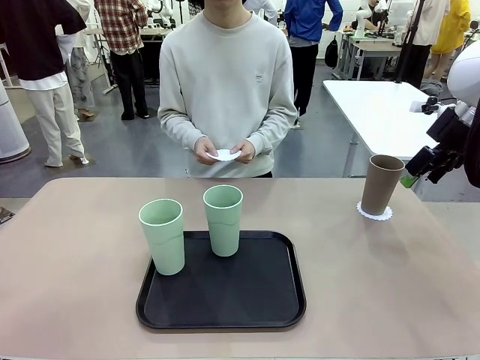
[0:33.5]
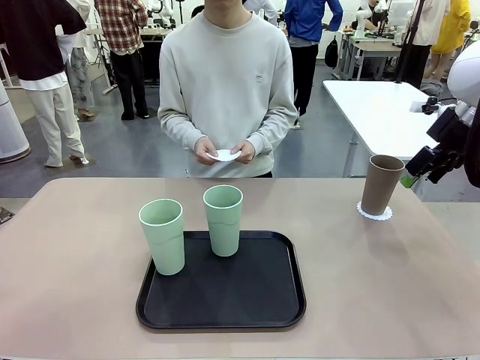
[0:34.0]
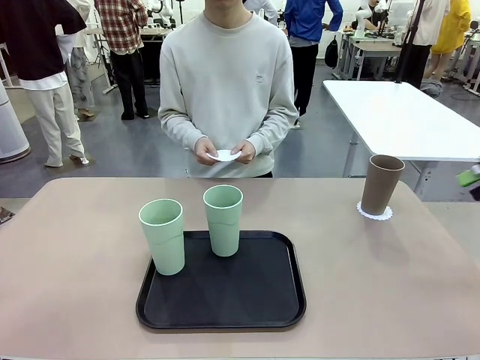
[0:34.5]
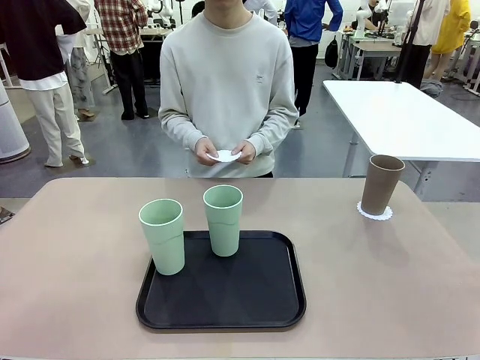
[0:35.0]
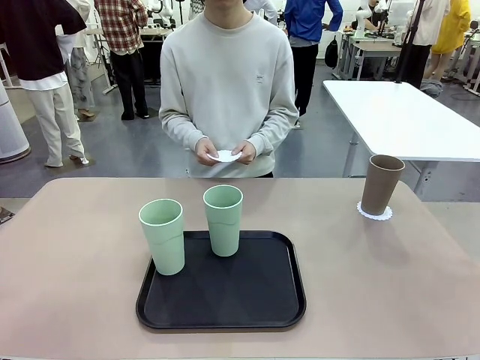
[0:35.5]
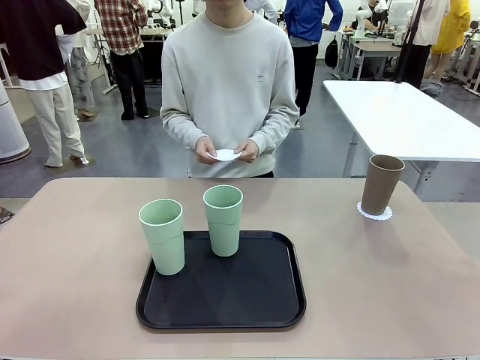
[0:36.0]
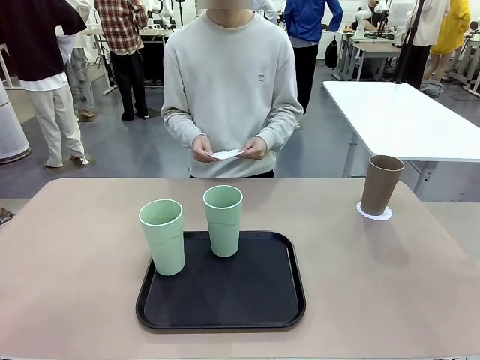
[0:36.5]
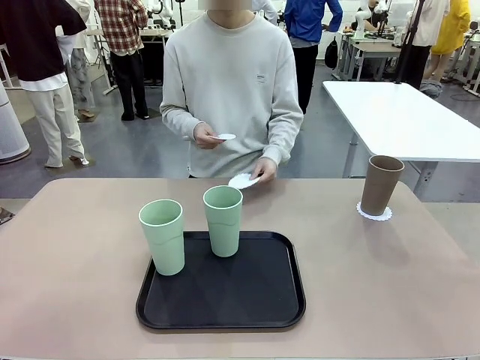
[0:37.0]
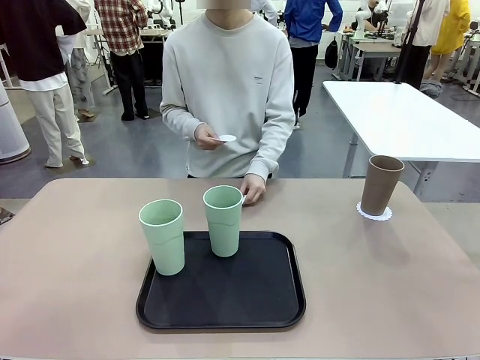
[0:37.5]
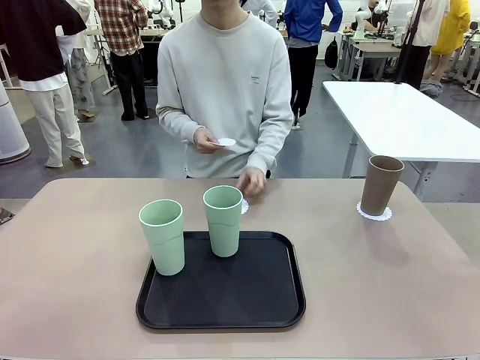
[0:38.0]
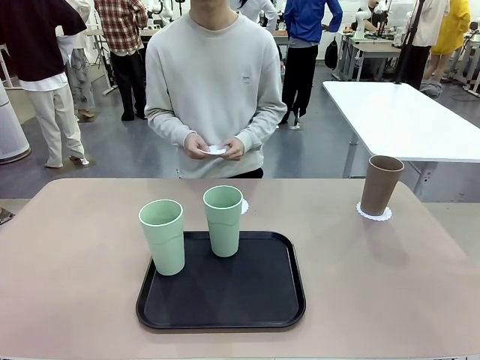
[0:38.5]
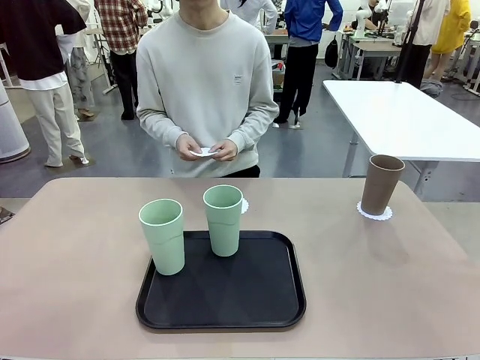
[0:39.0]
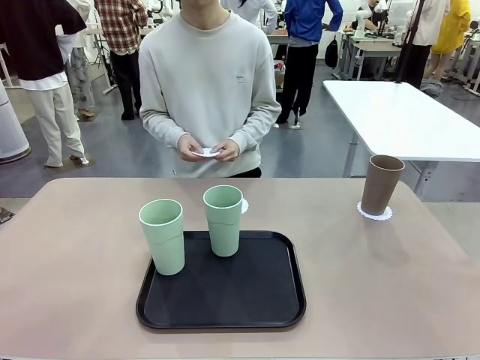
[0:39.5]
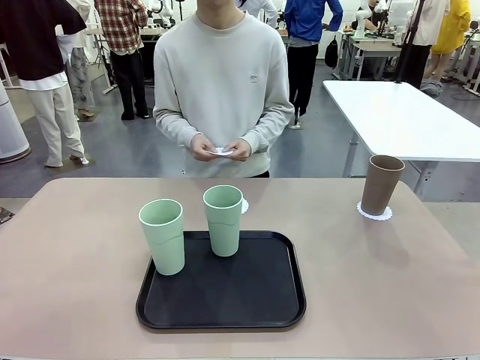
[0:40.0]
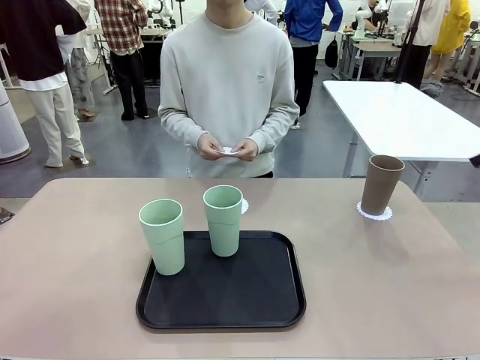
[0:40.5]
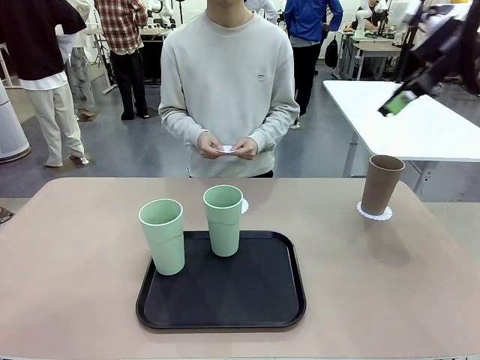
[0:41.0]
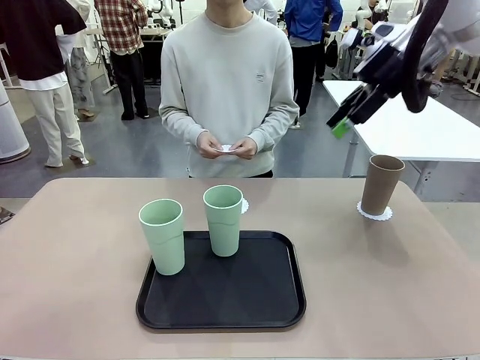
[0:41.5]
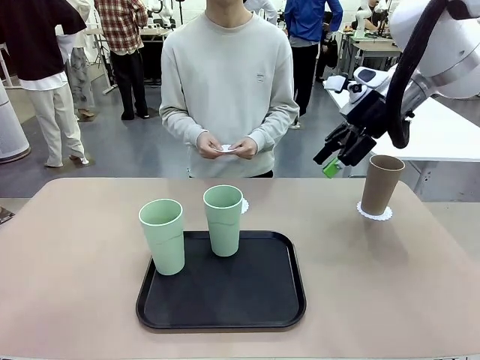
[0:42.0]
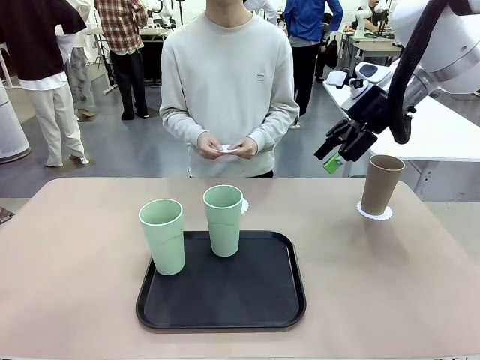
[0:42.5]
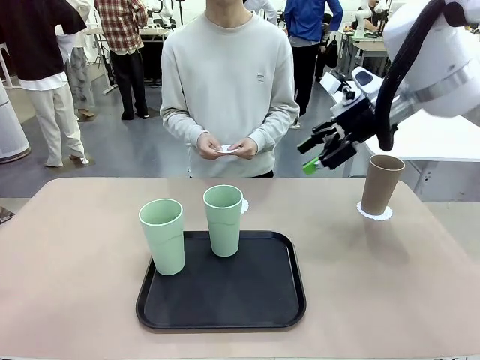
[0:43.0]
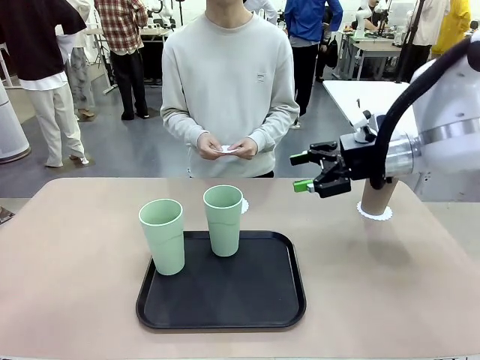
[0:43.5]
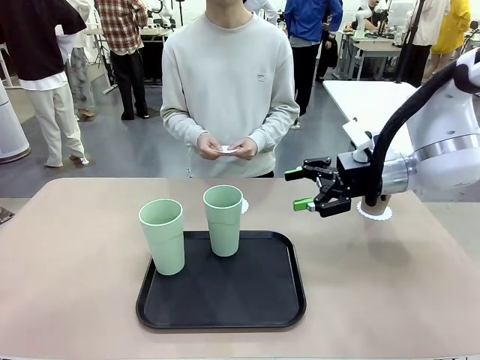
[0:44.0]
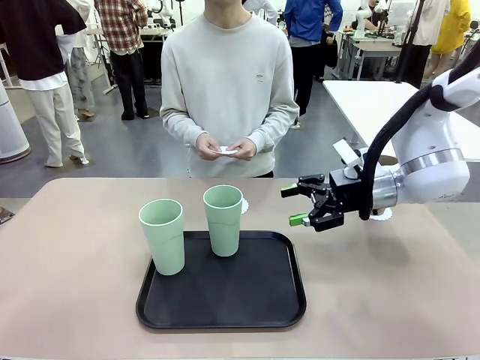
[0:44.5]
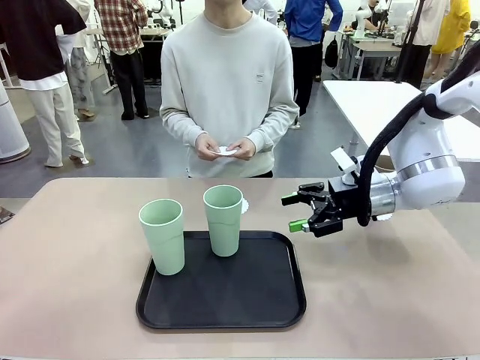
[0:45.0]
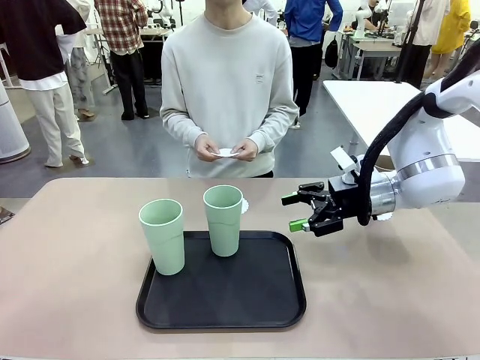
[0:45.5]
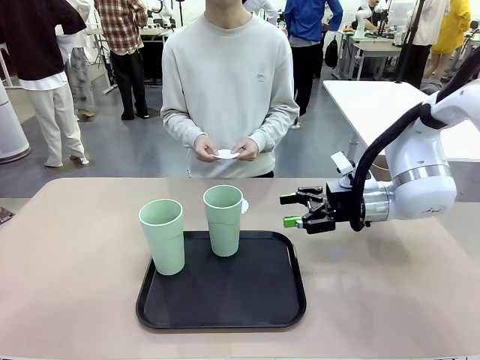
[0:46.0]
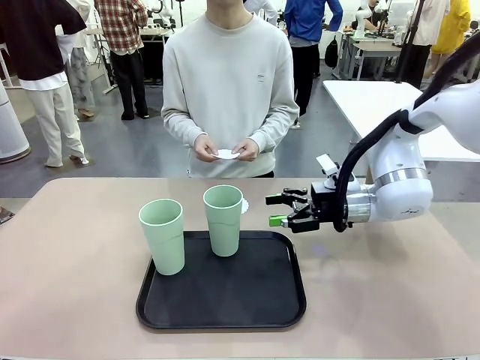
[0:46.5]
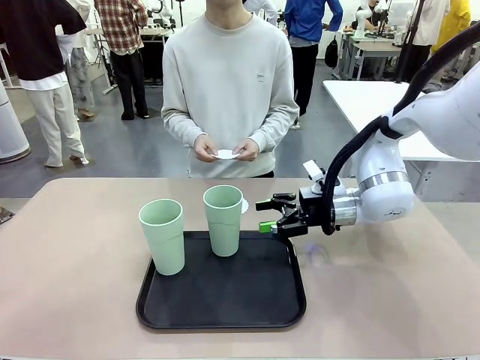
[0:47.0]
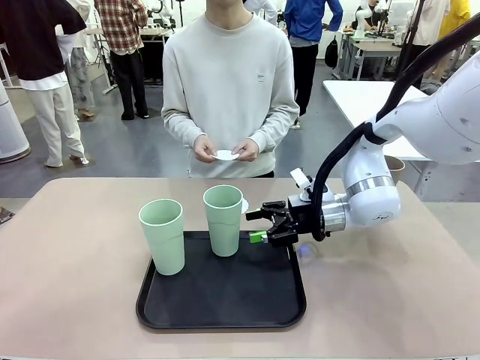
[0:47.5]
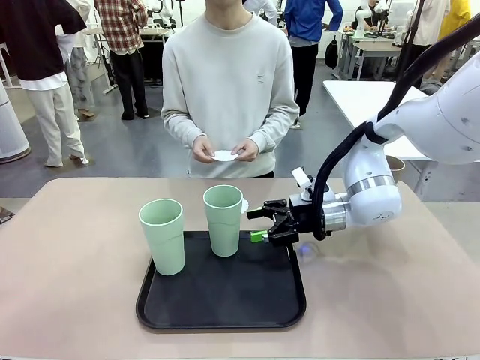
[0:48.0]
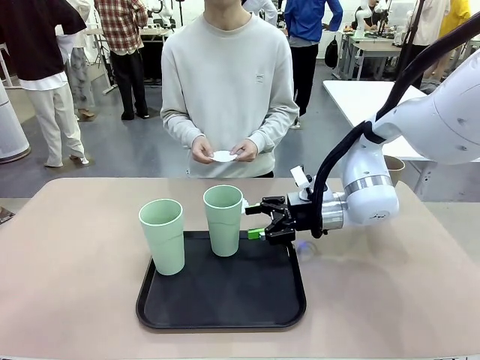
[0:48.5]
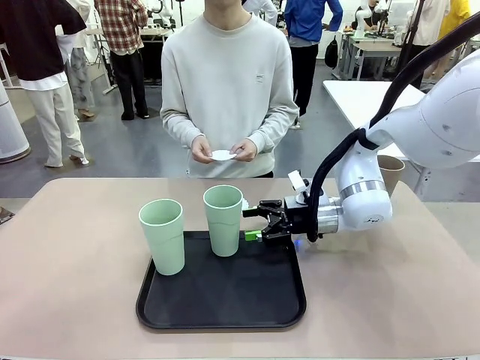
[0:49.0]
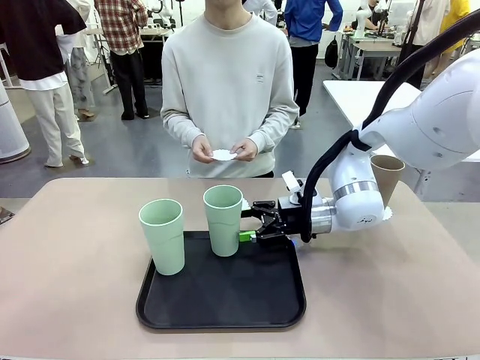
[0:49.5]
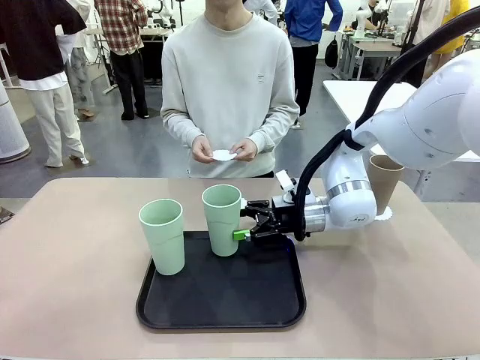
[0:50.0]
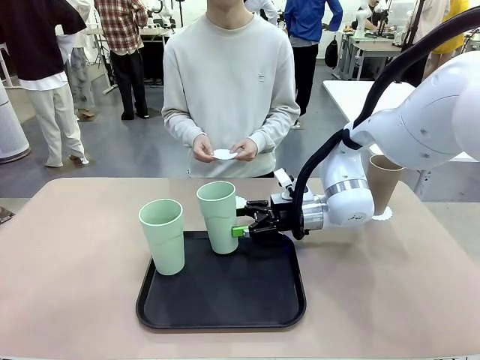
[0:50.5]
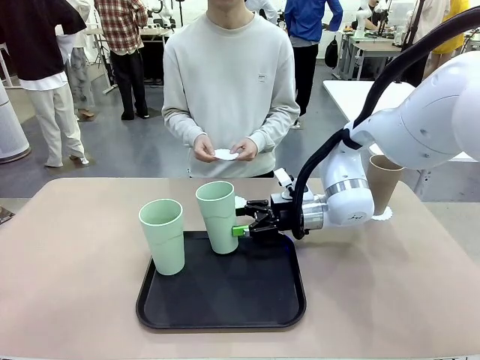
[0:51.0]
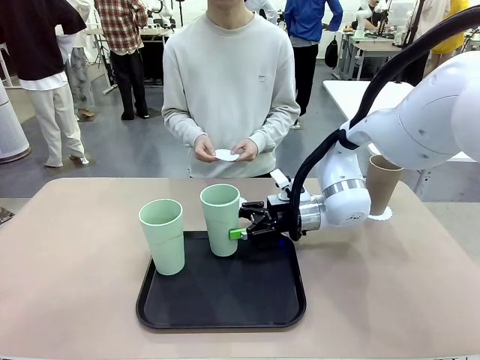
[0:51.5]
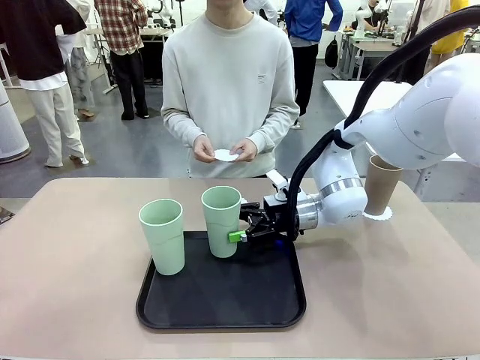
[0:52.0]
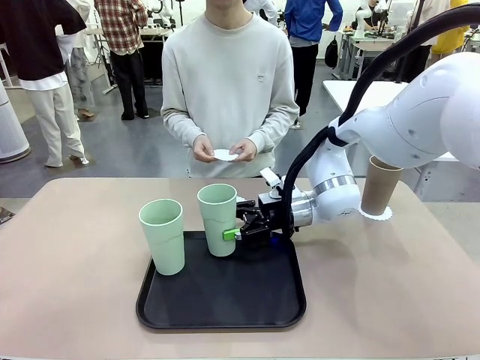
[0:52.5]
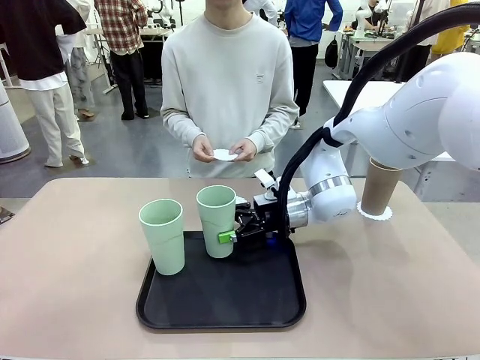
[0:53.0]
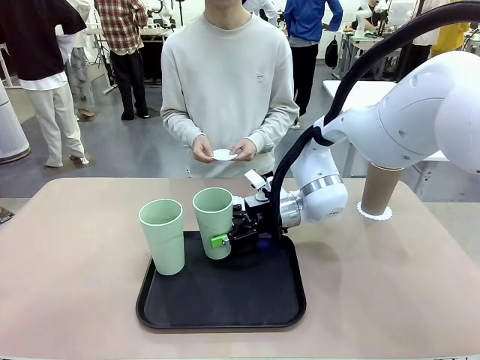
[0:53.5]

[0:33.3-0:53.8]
Task: Place coasters on the table and set cups on them.
Robot: Take one Reusable plastic cup from the Flat Tray and place it on a coaster set by the human.

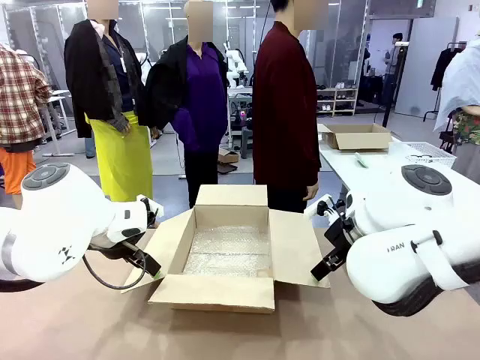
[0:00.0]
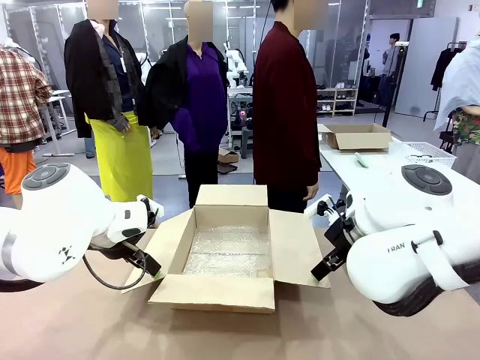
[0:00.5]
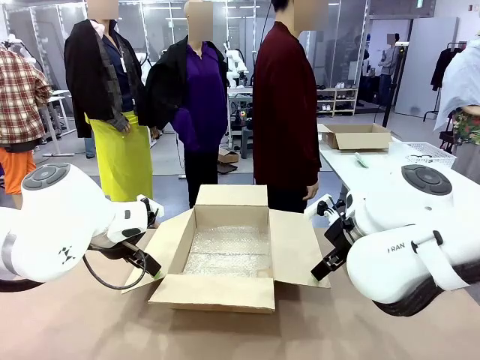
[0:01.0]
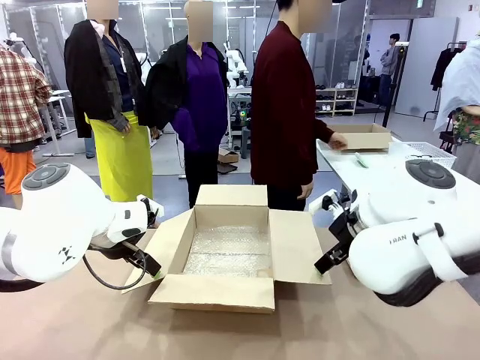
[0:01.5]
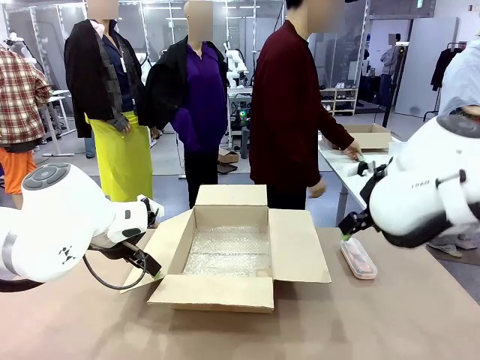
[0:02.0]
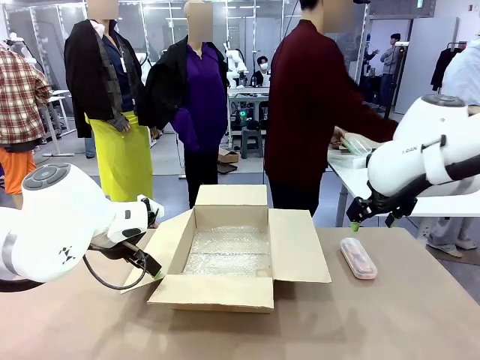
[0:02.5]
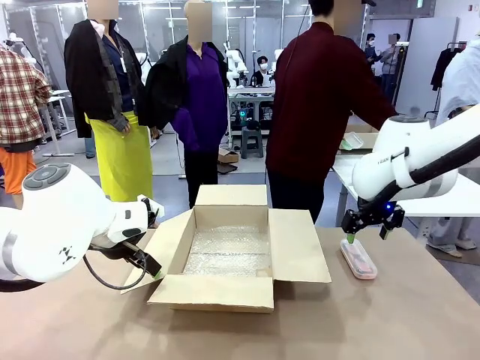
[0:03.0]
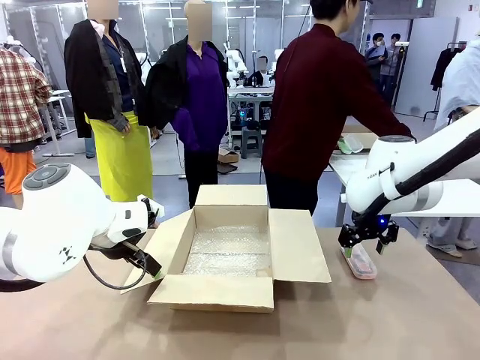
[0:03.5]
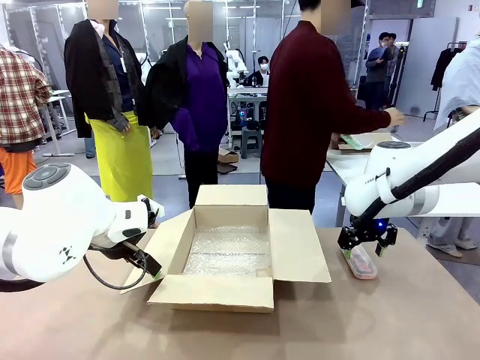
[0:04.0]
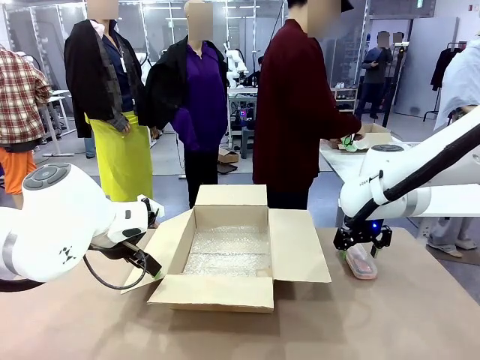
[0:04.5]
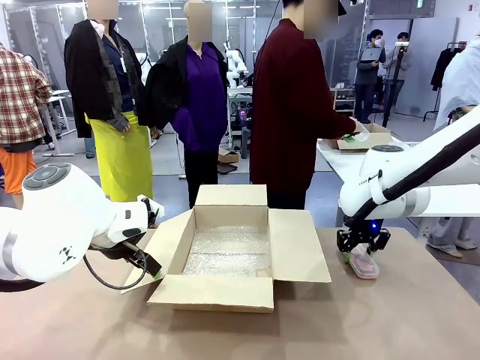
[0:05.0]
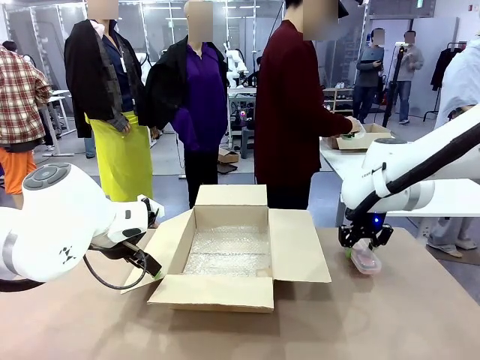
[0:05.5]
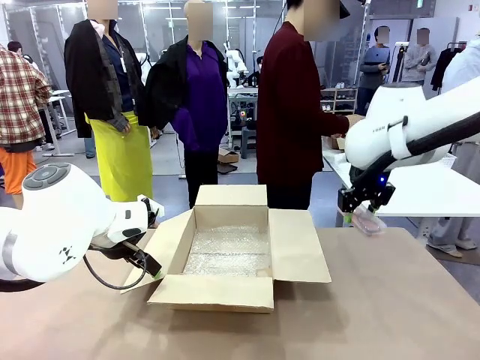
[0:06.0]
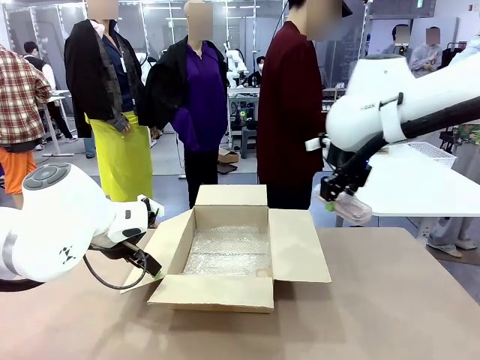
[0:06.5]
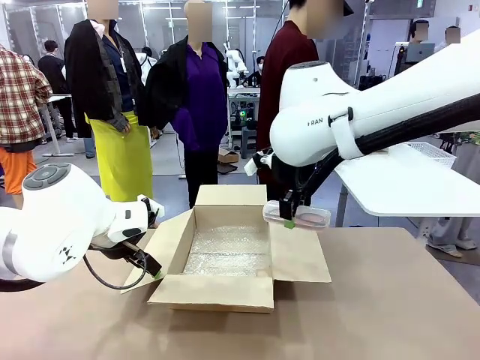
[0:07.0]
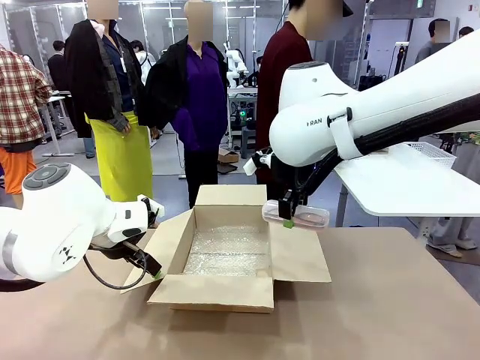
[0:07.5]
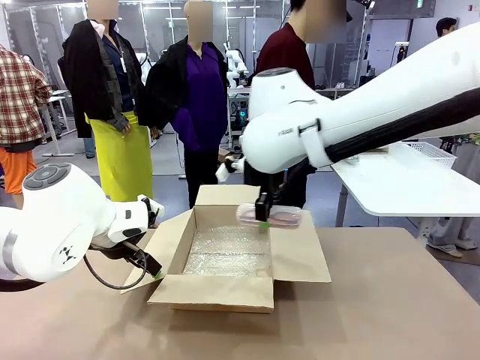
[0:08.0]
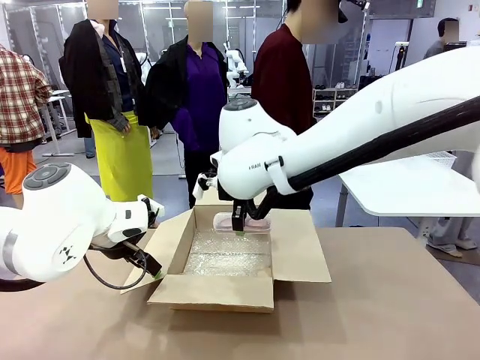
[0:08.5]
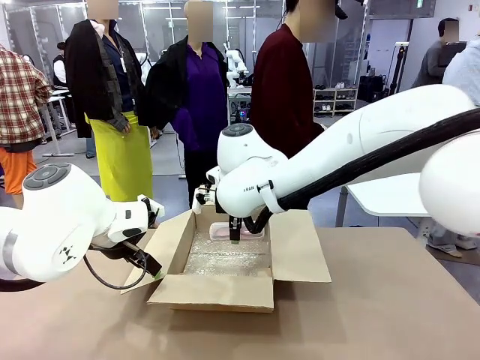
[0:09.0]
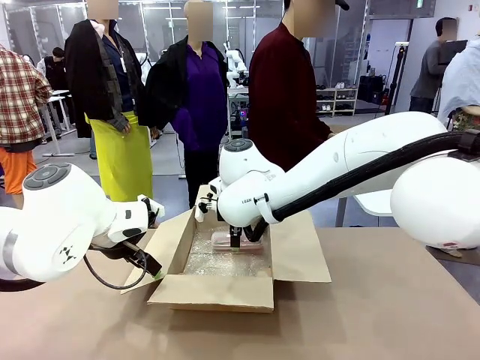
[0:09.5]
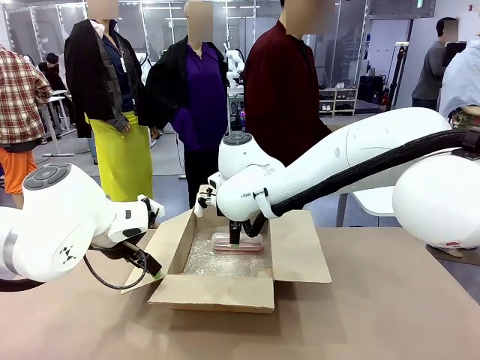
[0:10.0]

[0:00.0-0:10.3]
Task: Pack the glasses set securely to prepare it for shipping.
Robot: Place the Glasses case inside the Package Box.
Person: Place the Glasses inside the Glasses case.
